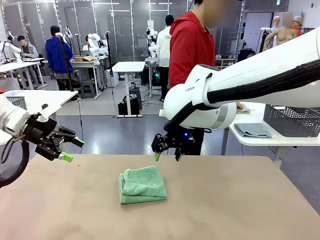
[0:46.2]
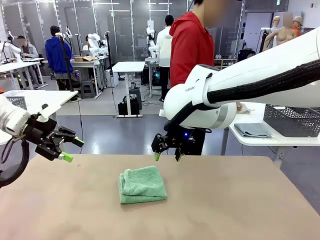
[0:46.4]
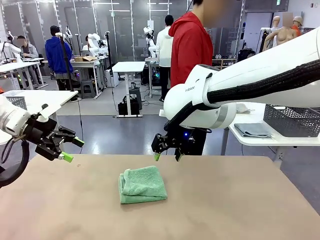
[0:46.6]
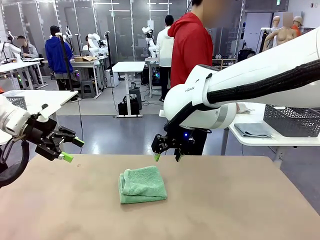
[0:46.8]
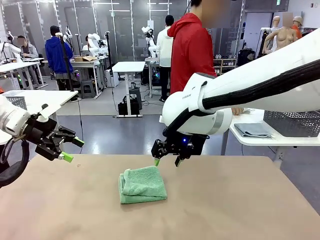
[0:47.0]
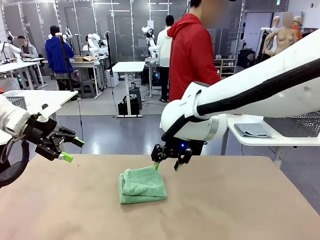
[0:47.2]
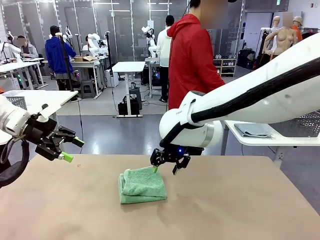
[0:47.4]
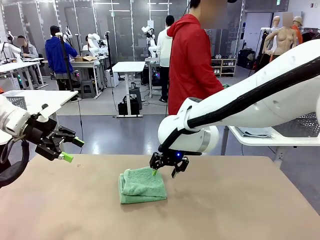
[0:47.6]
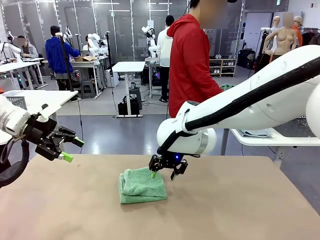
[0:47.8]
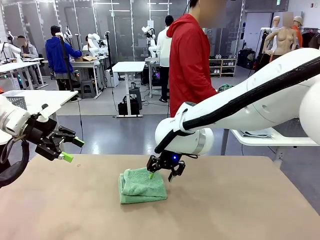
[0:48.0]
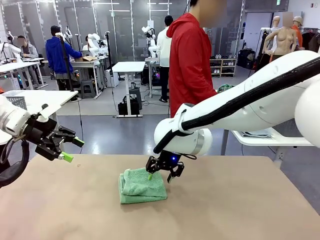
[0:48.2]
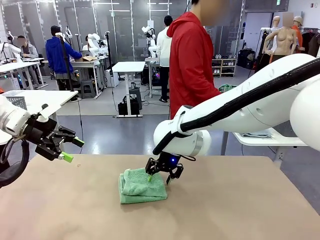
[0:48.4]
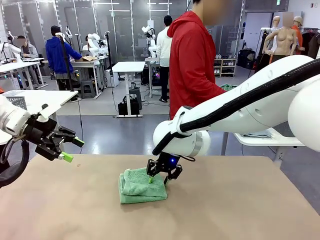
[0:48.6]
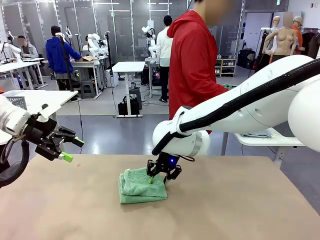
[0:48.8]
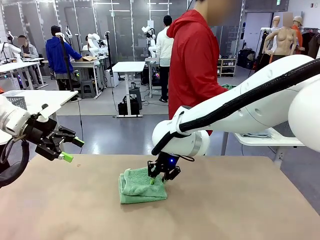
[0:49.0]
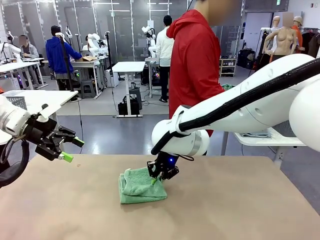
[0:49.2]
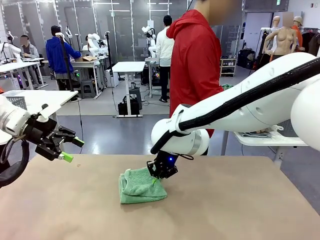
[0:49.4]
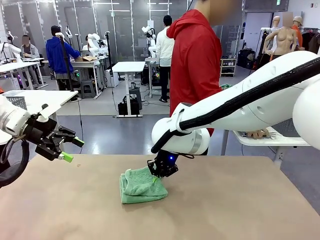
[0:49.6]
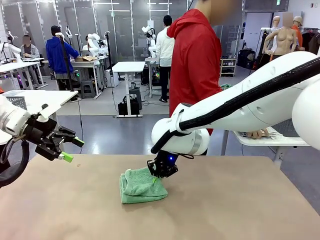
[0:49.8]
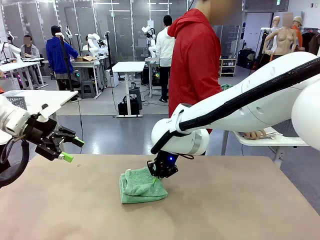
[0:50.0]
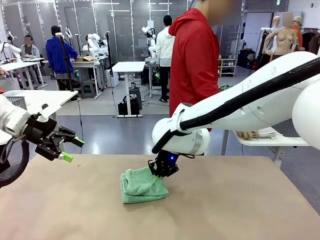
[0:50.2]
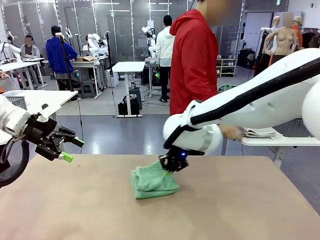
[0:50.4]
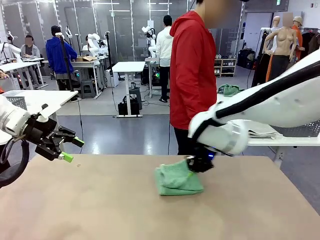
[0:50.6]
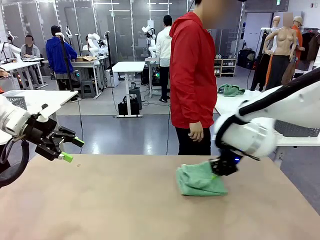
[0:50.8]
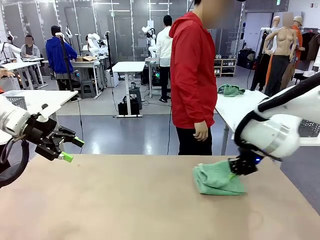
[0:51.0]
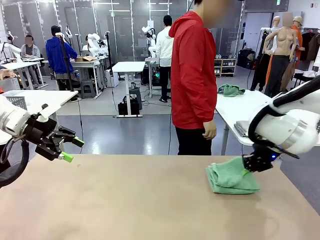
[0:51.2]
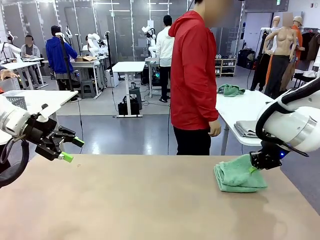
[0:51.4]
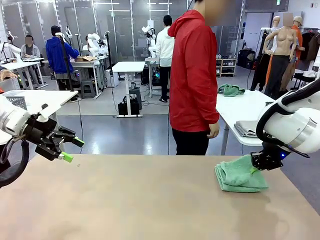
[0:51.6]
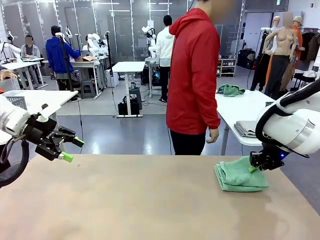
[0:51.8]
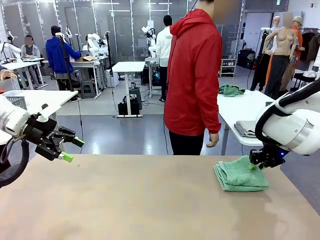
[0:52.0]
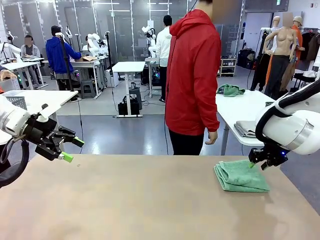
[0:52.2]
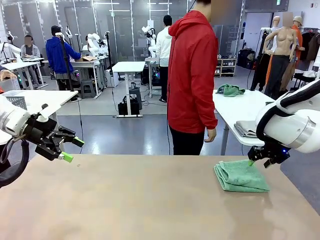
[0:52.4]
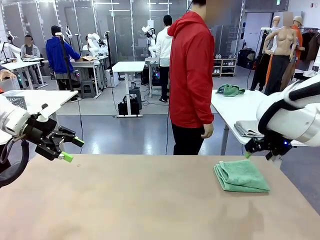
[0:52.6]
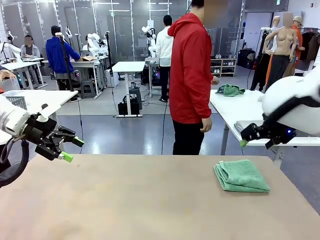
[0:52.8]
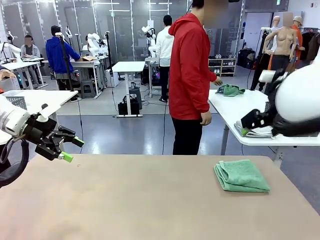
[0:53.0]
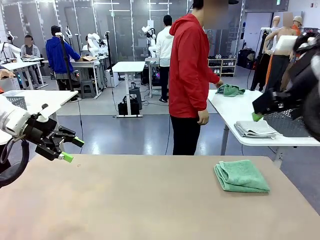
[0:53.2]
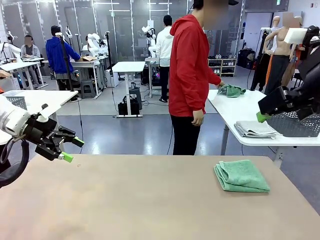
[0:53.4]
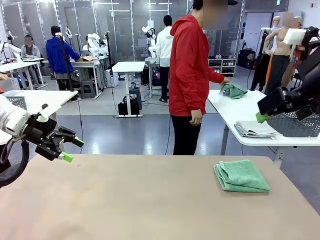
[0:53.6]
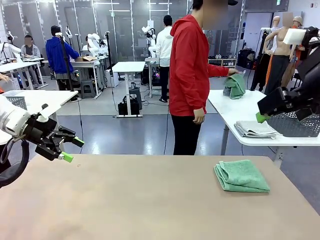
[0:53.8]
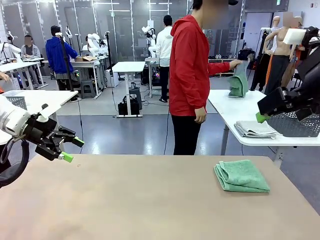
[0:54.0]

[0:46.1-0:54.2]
Task: Fold the towels and place them in the basket.
Robot: Place the folded Towel with hook on the right side of the table.

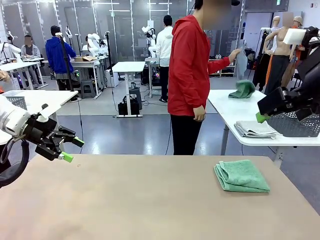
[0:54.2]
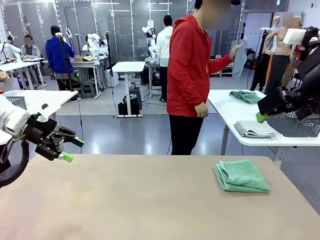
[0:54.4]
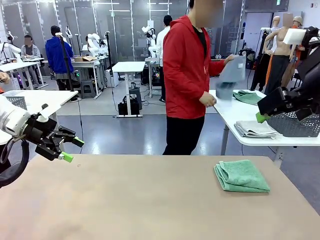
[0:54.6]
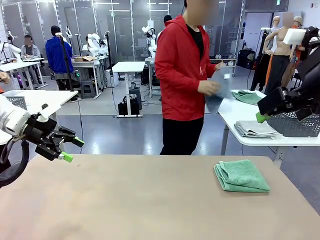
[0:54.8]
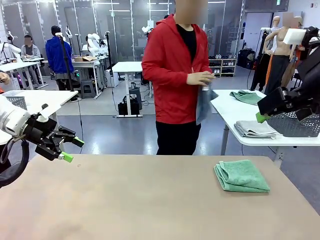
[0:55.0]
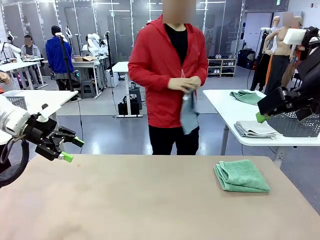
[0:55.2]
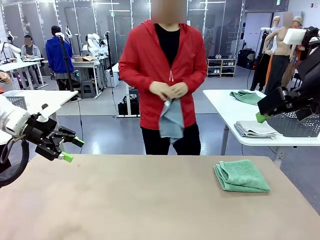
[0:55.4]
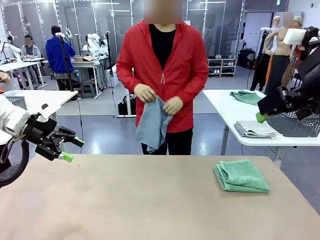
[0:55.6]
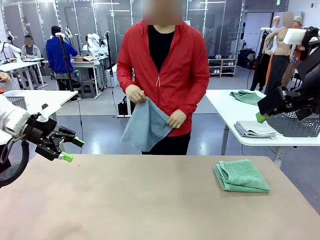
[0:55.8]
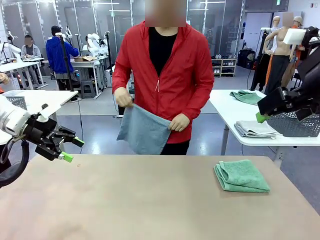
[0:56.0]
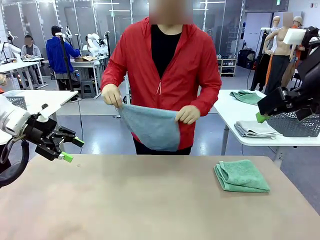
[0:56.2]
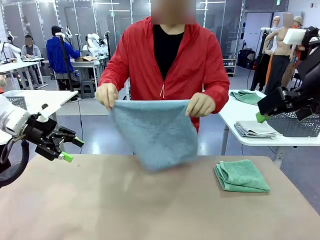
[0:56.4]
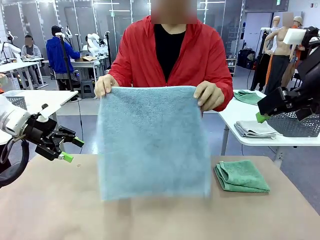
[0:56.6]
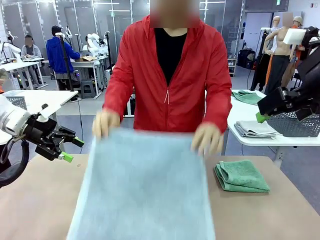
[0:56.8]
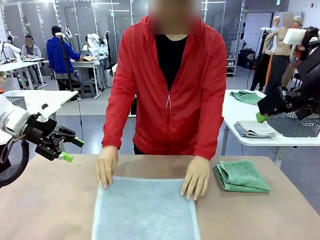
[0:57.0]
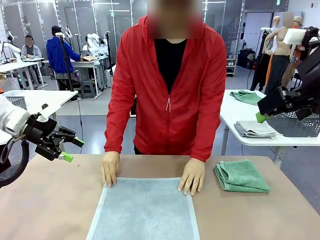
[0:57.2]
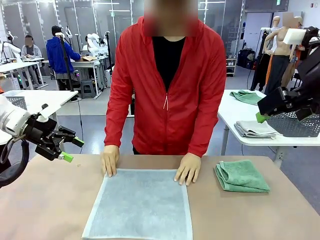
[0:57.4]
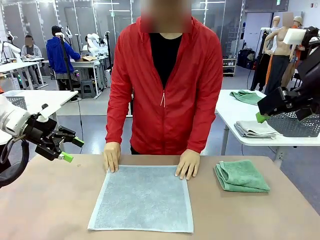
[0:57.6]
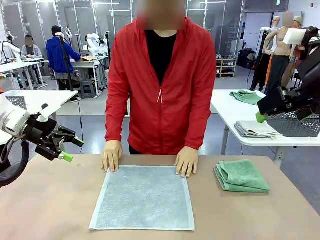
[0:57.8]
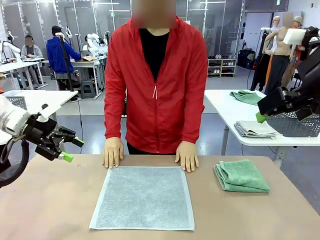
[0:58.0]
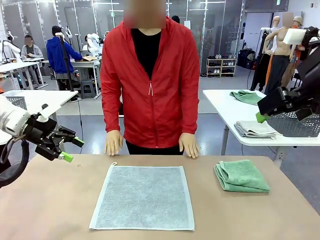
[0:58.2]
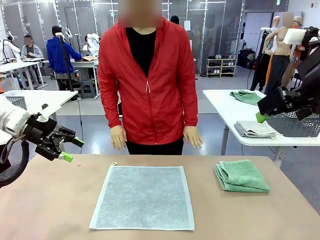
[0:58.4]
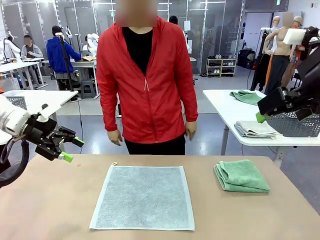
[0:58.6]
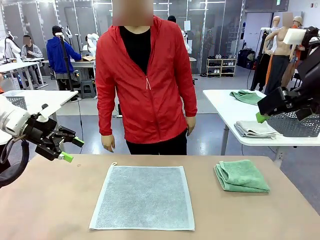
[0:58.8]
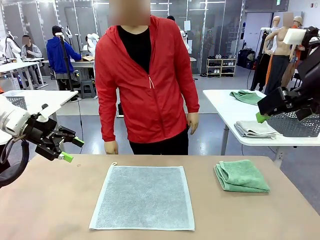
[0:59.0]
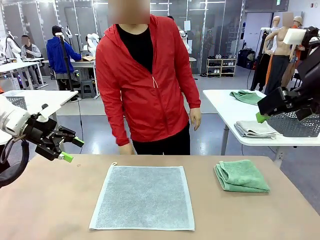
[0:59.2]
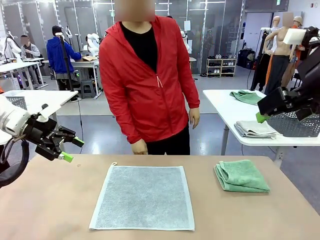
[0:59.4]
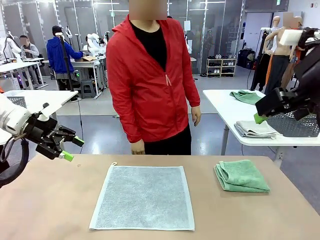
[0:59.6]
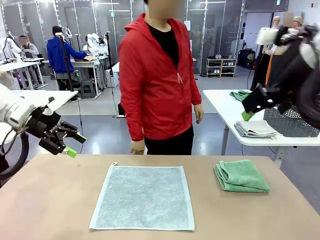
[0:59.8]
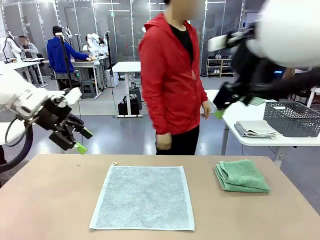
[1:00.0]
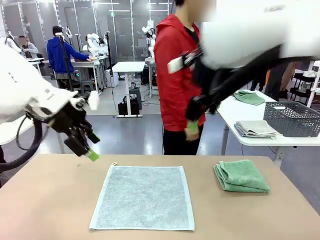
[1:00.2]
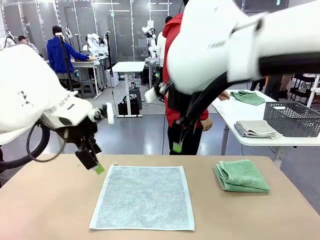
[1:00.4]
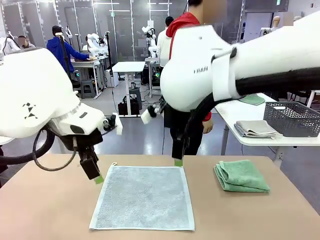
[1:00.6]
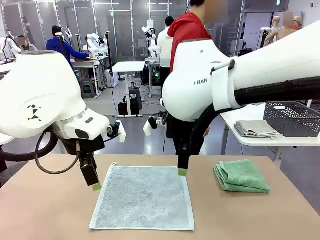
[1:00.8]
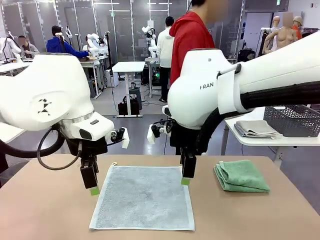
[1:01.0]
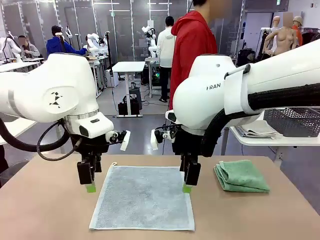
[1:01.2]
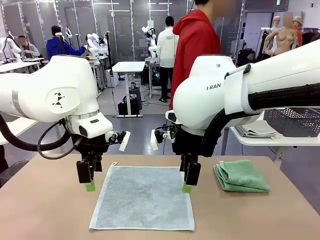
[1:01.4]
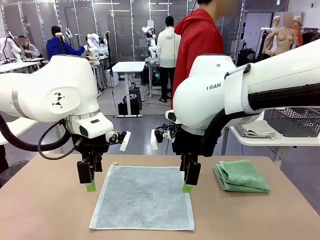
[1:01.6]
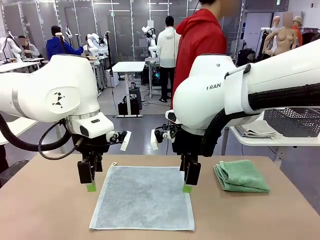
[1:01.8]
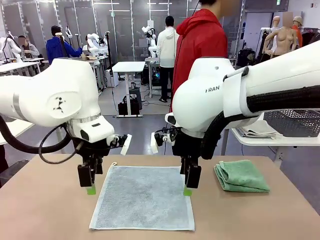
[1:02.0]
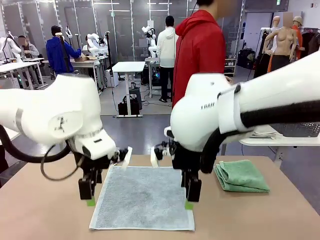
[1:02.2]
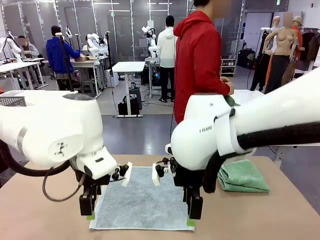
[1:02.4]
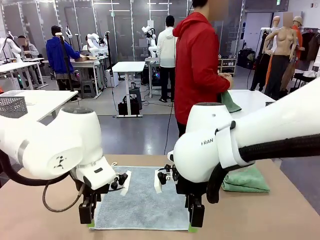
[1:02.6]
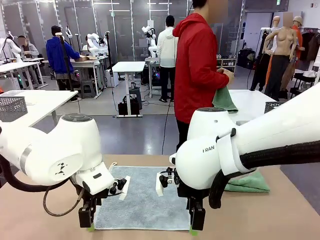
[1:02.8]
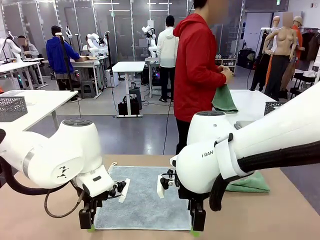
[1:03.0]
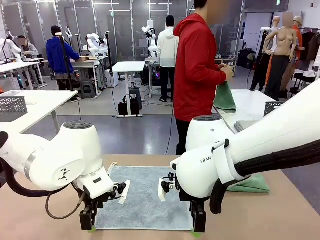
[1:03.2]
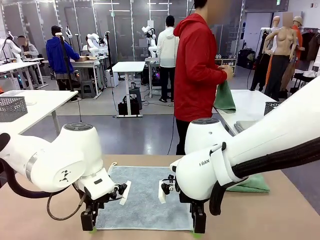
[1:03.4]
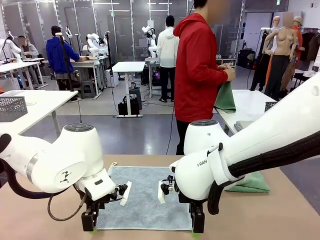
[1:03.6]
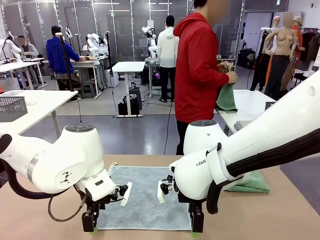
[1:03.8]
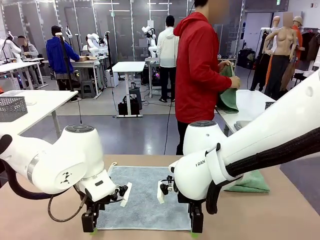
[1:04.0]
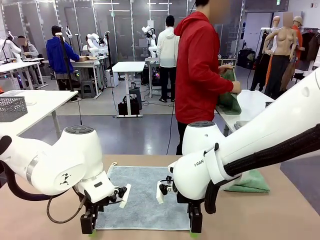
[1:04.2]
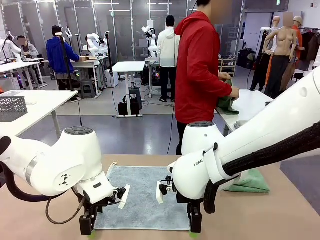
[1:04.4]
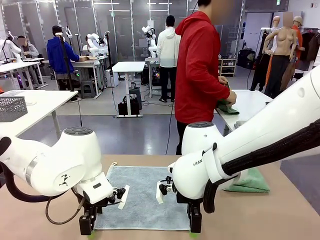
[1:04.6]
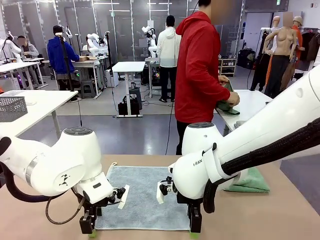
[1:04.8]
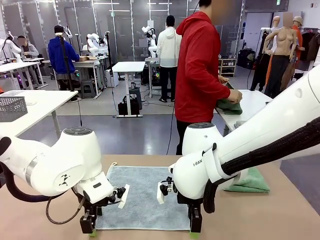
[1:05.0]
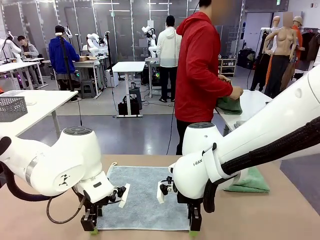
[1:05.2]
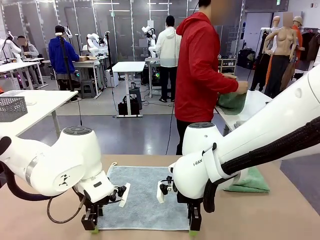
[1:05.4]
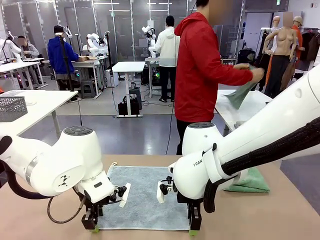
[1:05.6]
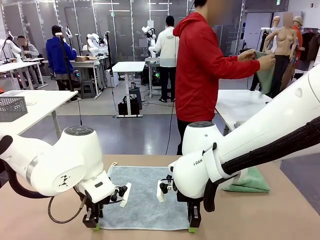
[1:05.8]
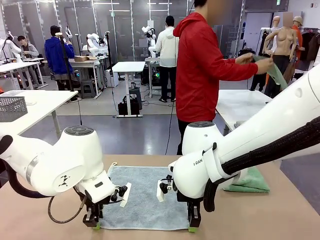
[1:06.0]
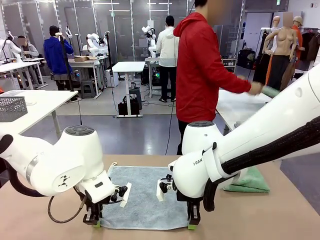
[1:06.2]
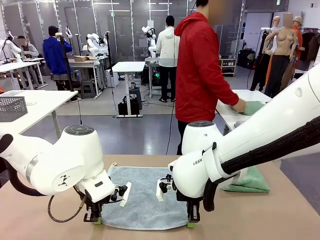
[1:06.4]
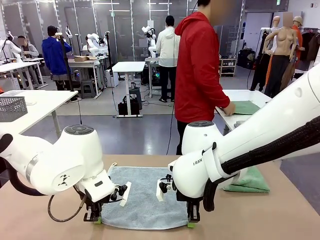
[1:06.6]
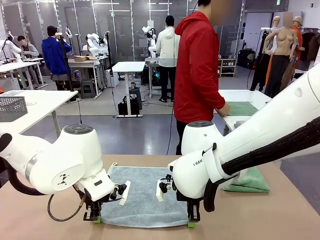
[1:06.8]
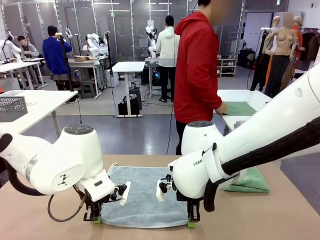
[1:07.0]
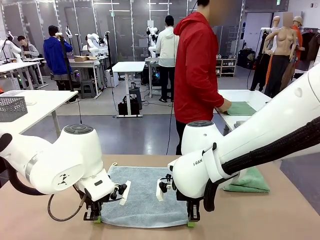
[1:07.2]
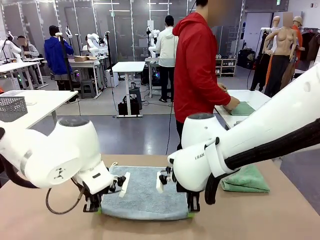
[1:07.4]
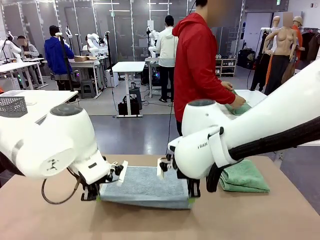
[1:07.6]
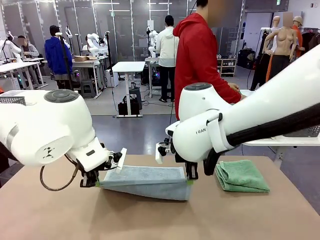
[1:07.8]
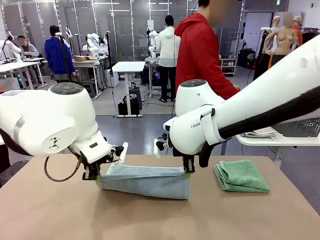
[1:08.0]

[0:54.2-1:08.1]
Robot: When a person lays out a Towel with hook on the table, fold it in half twice.
Person: Pick up one towel from the left side of the human table and spread it out at the center of the robot table. Pick up one towel from the left side of the human table, fold it in half twice, and stack it on the right side of the table.
